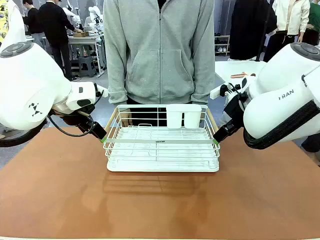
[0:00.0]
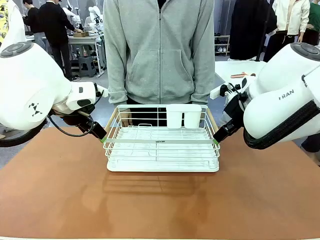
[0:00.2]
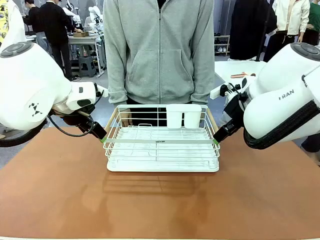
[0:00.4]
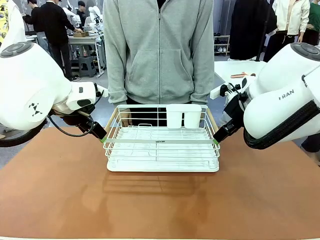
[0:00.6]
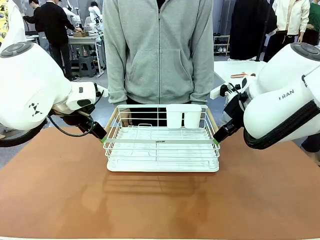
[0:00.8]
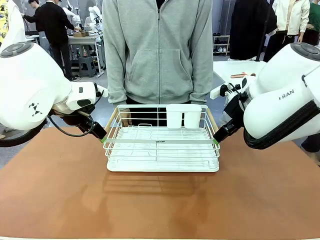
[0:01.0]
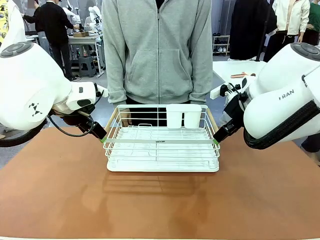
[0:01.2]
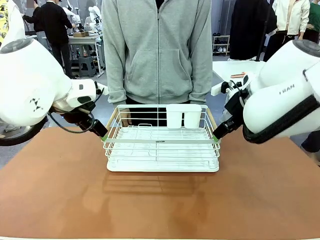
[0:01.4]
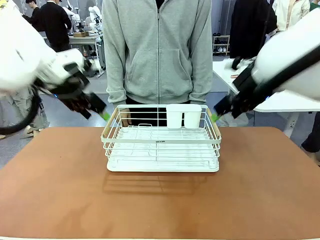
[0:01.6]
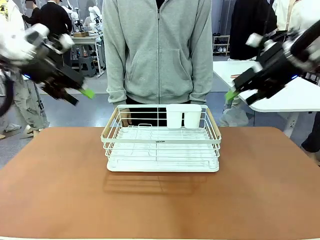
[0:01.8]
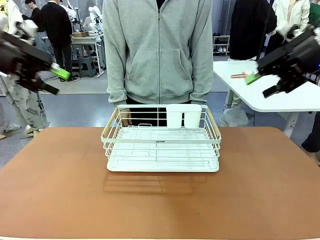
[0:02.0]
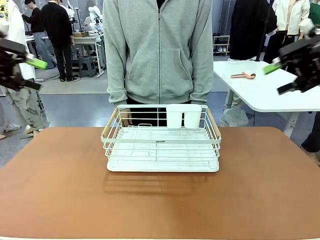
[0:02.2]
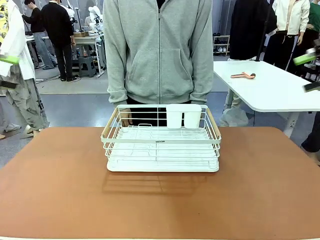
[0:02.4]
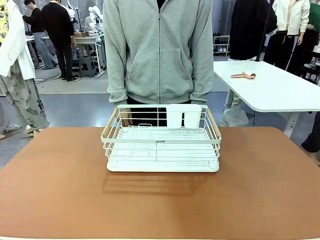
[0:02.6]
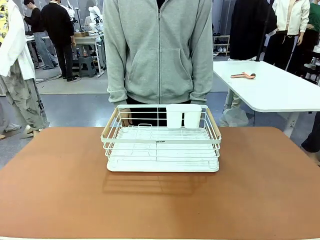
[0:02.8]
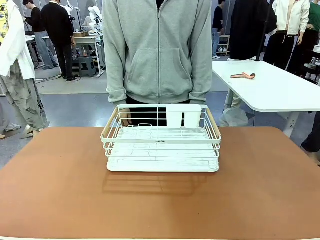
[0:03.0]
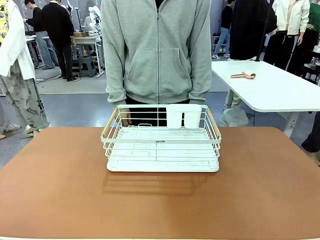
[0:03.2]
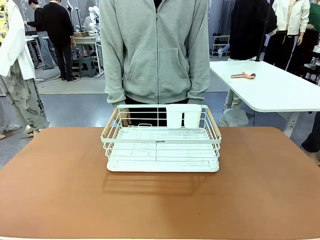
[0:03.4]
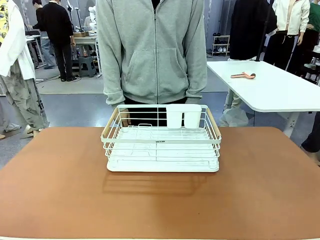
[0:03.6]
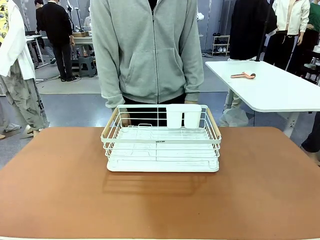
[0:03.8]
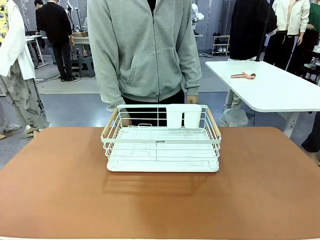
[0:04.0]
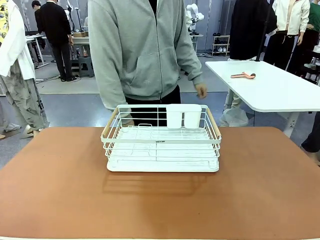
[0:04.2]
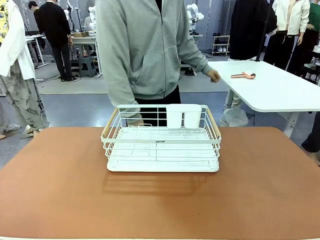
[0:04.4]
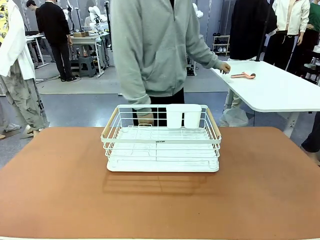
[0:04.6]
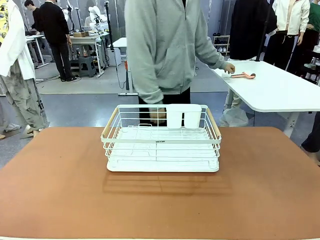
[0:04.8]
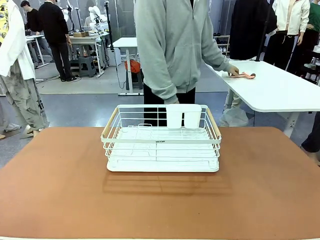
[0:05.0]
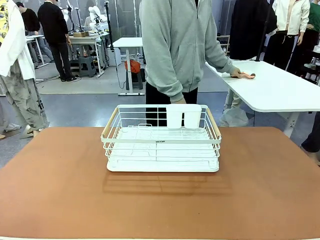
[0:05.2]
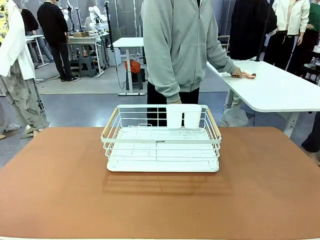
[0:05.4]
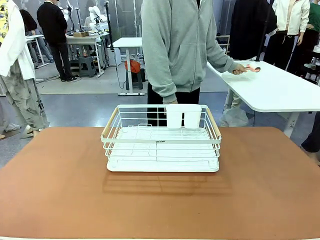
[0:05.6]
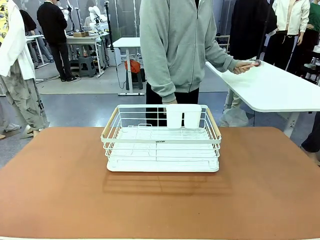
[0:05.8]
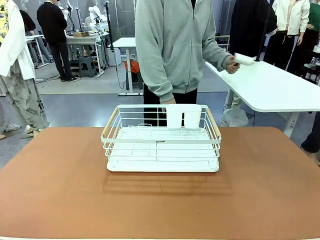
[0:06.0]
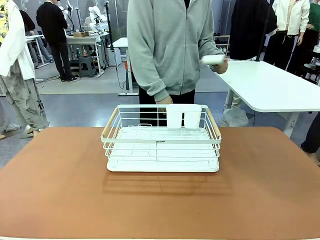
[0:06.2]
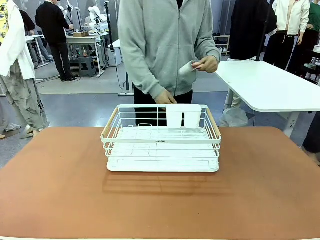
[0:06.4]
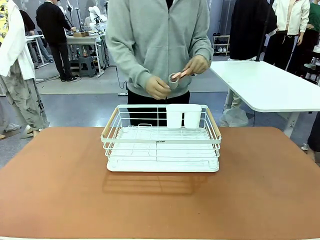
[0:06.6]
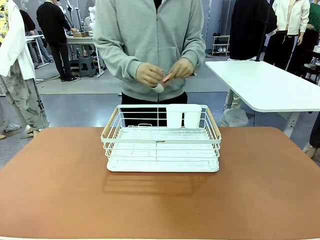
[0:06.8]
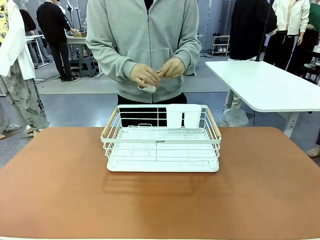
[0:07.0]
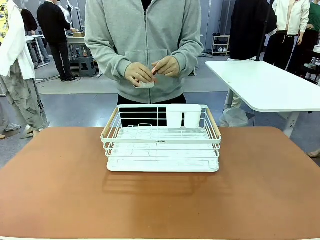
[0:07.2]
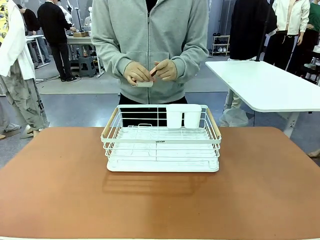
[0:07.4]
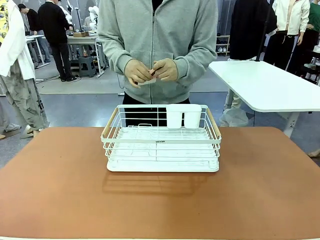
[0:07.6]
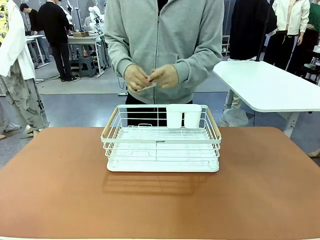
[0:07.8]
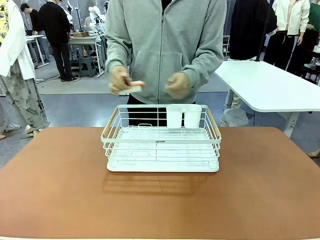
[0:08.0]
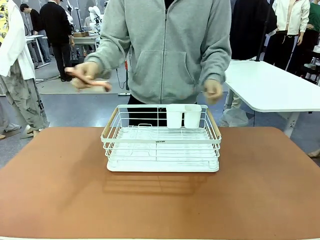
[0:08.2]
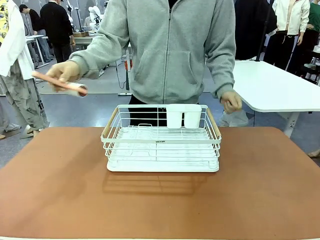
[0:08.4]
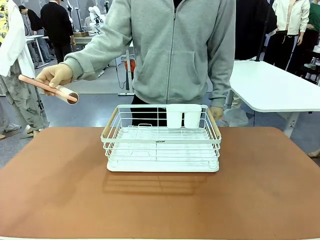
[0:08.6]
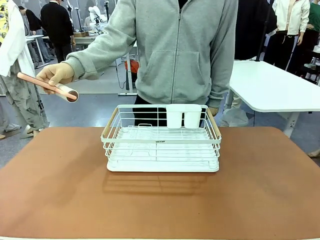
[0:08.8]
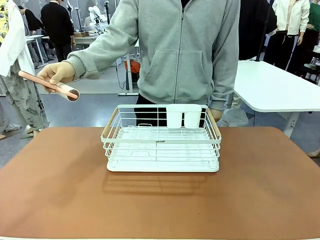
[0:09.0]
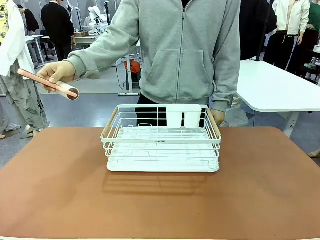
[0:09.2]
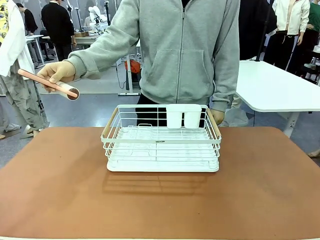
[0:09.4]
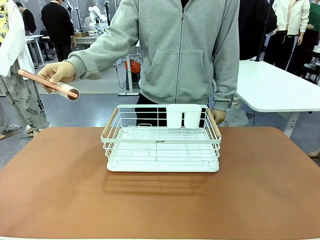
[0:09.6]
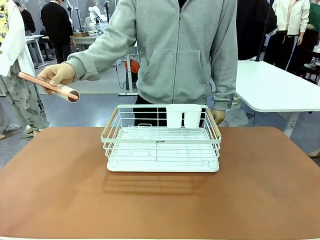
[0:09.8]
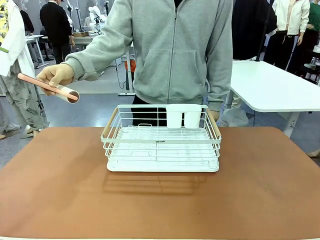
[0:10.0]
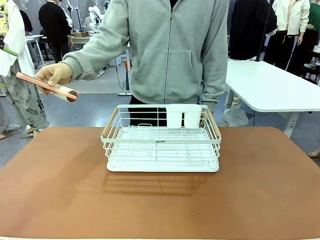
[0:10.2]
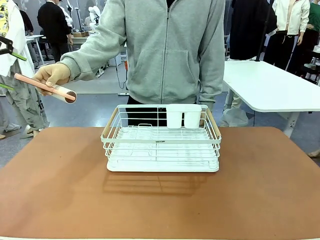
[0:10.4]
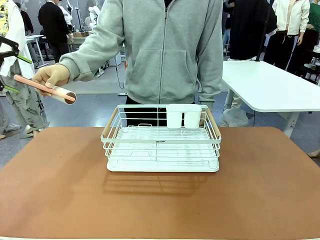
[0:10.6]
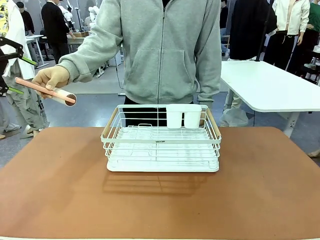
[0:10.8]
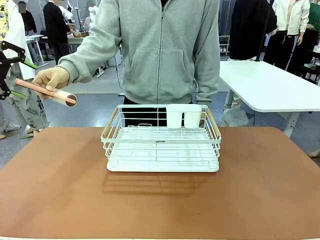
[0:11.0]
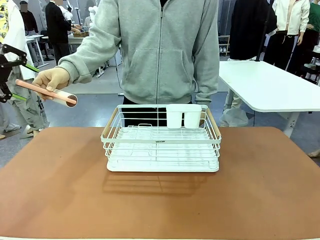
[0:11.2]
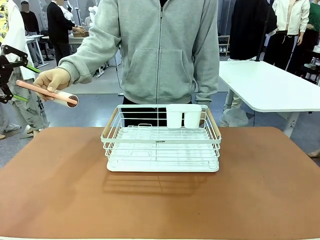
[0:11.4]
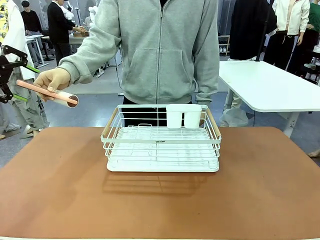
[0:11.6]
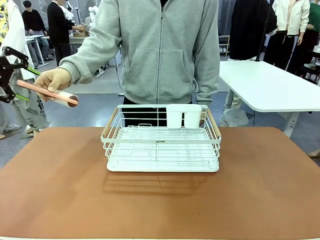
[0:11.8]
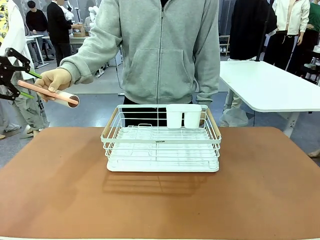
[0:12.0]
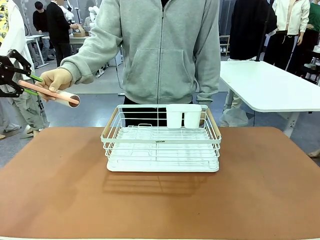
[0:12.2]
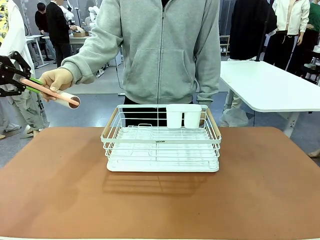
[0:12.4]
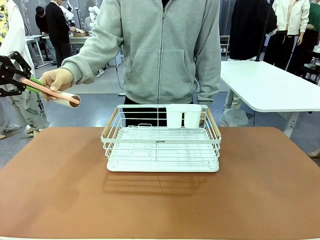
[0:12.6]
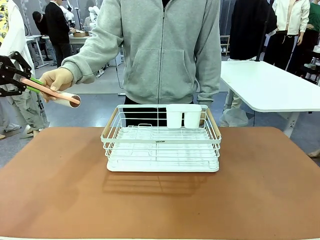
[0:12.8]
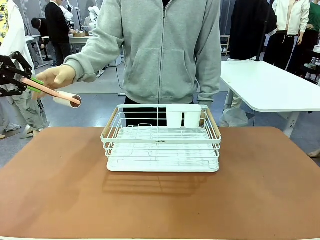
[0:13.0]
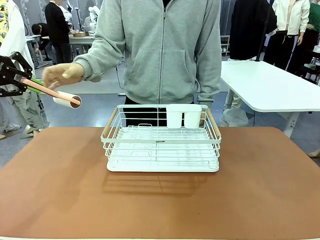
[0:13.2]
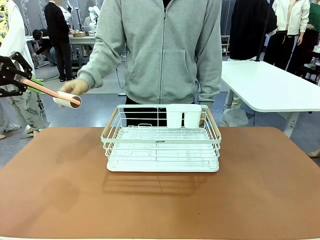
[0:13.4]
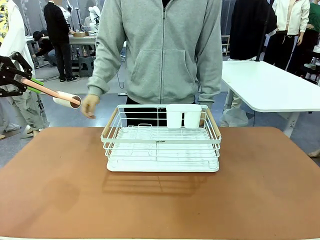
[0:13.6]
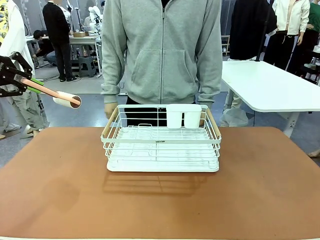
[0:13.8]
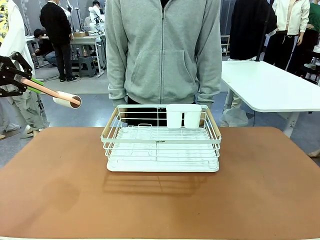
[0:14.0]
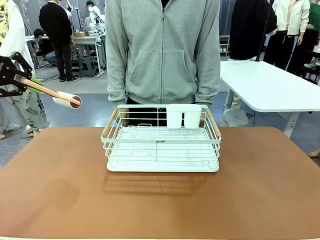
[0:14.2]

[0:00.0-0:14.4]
Task: Clean the table.
Robot: Pick up the Lint Roller when the human hands it over.
Person: Hand the Lint Roller to the robot so it can easily pick it up. Lift the Dish drying rack.
